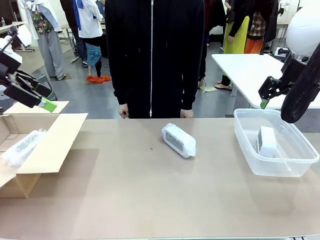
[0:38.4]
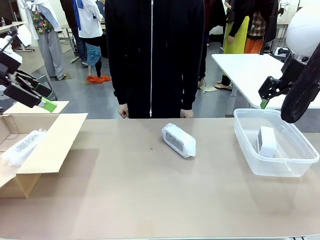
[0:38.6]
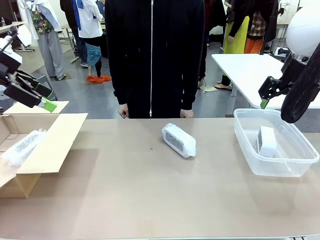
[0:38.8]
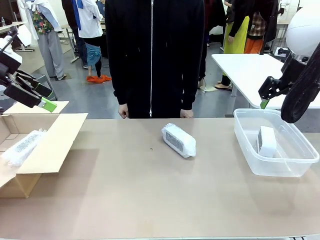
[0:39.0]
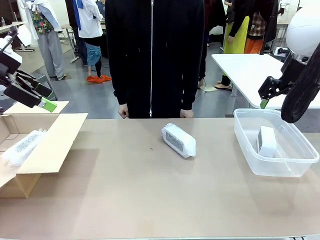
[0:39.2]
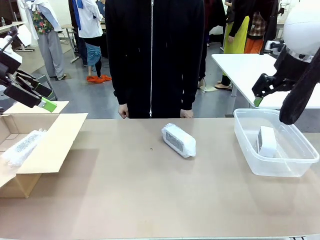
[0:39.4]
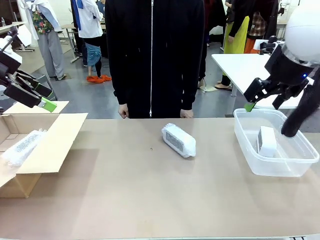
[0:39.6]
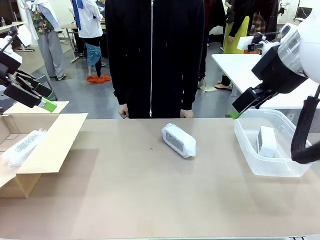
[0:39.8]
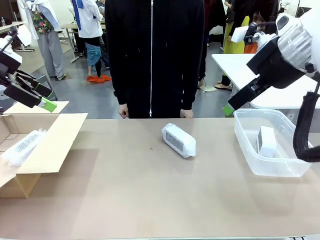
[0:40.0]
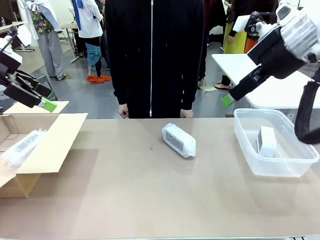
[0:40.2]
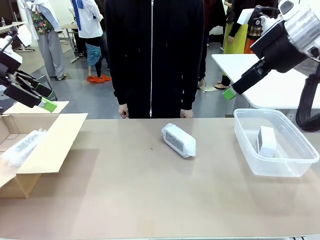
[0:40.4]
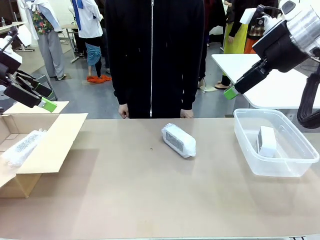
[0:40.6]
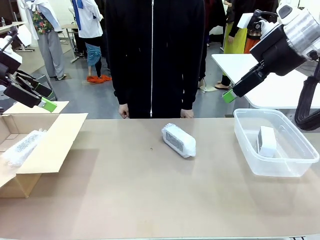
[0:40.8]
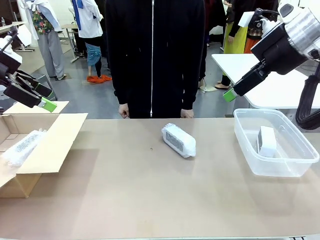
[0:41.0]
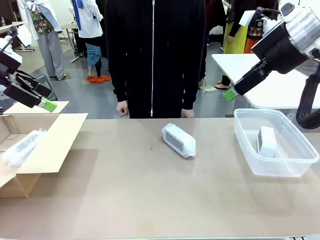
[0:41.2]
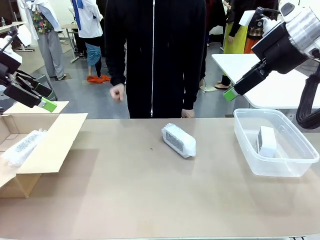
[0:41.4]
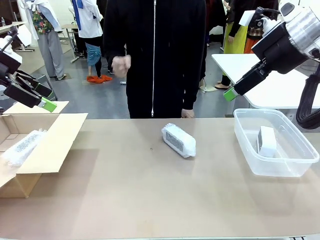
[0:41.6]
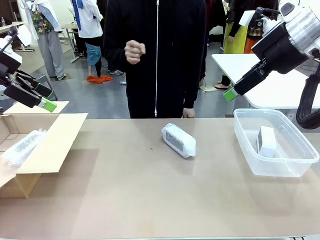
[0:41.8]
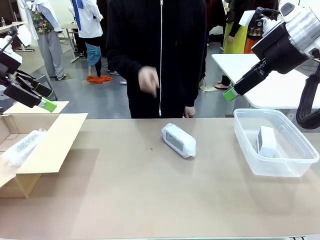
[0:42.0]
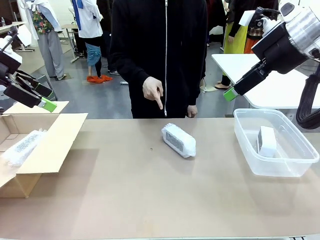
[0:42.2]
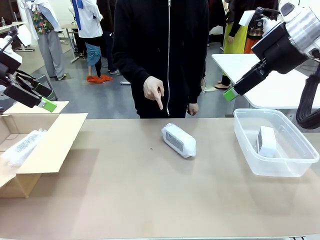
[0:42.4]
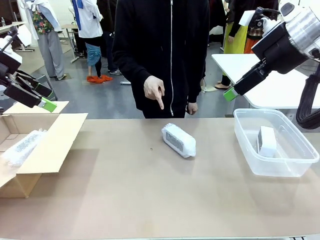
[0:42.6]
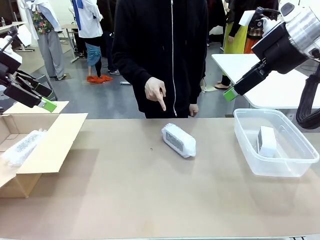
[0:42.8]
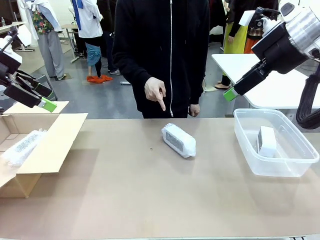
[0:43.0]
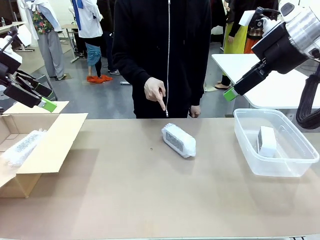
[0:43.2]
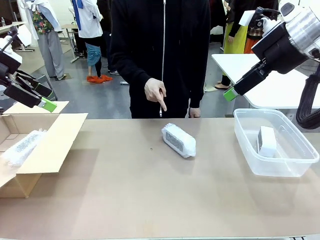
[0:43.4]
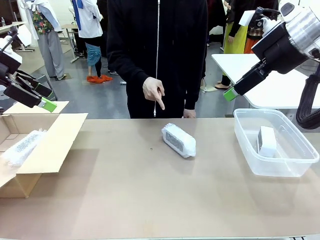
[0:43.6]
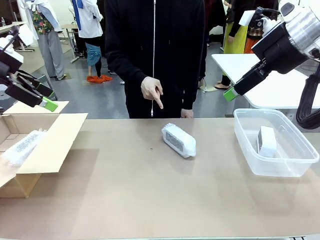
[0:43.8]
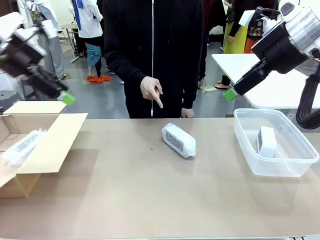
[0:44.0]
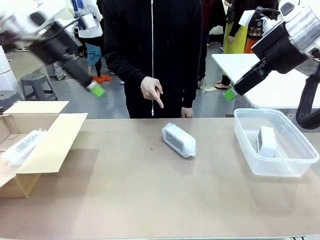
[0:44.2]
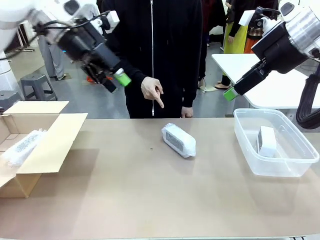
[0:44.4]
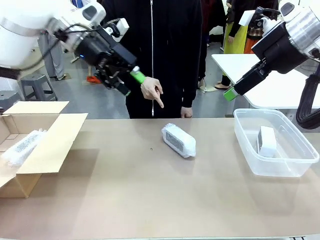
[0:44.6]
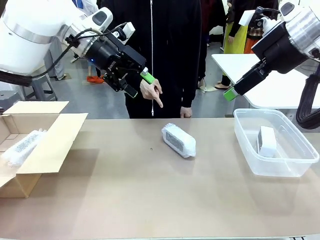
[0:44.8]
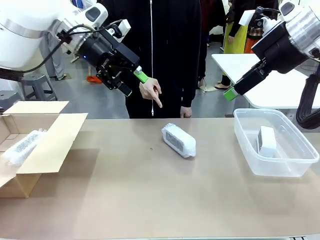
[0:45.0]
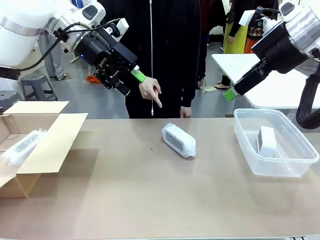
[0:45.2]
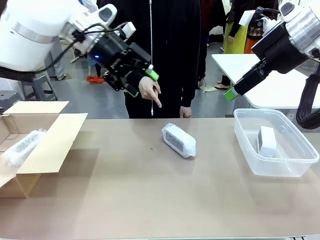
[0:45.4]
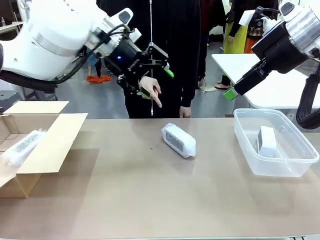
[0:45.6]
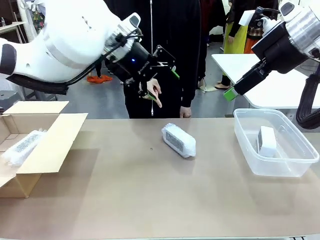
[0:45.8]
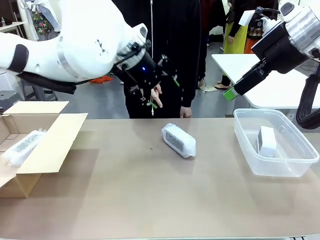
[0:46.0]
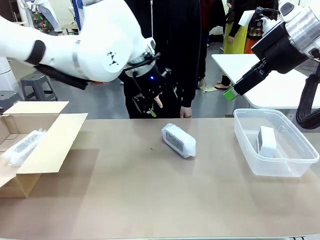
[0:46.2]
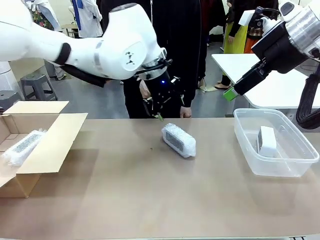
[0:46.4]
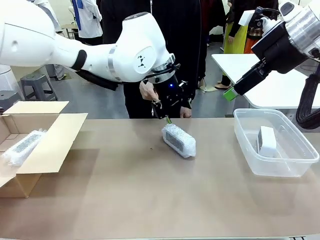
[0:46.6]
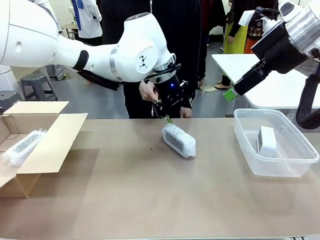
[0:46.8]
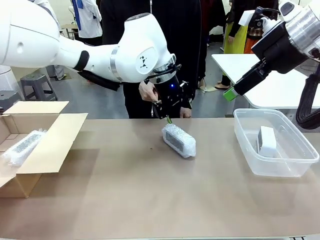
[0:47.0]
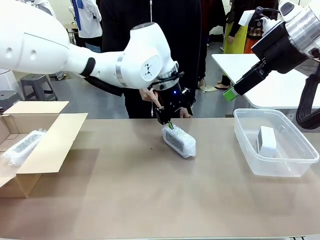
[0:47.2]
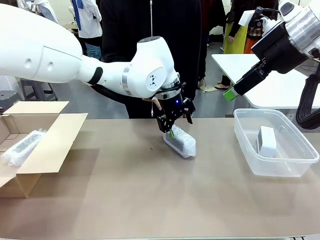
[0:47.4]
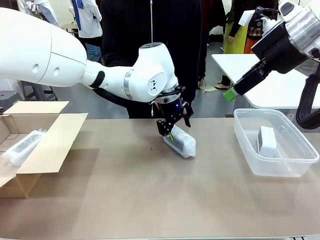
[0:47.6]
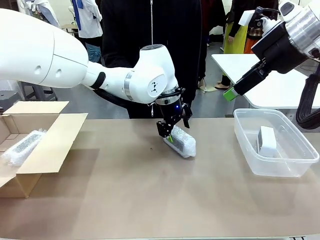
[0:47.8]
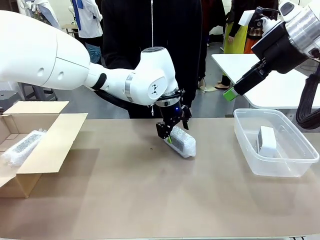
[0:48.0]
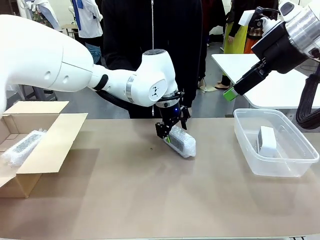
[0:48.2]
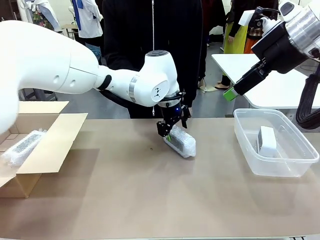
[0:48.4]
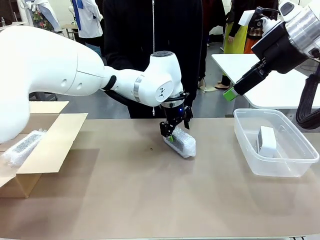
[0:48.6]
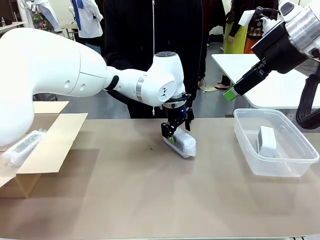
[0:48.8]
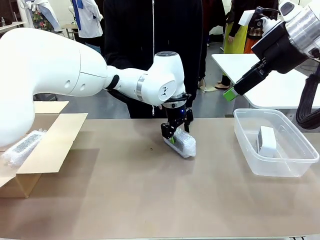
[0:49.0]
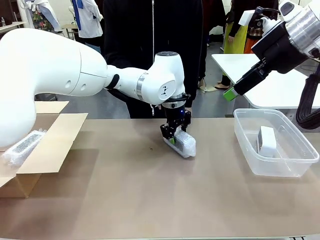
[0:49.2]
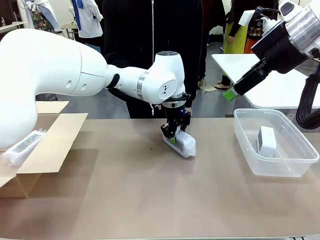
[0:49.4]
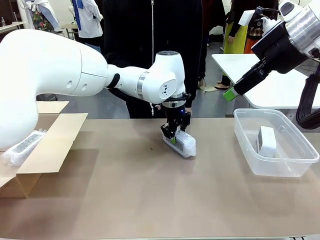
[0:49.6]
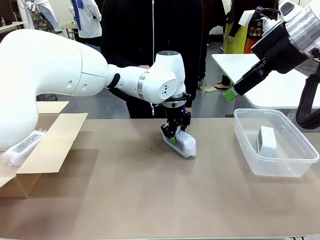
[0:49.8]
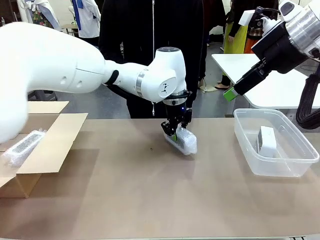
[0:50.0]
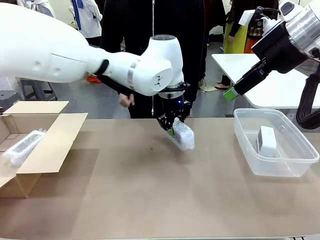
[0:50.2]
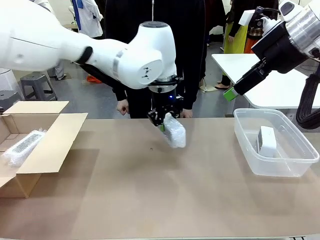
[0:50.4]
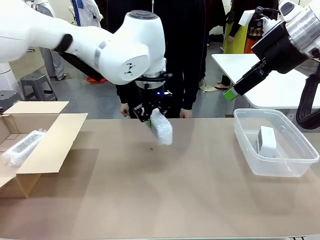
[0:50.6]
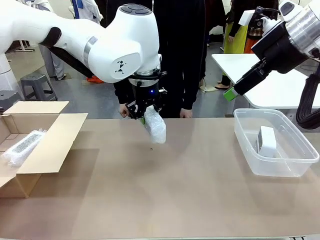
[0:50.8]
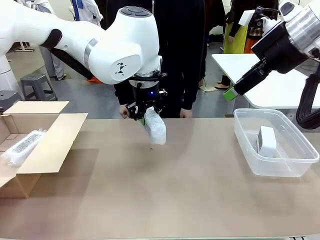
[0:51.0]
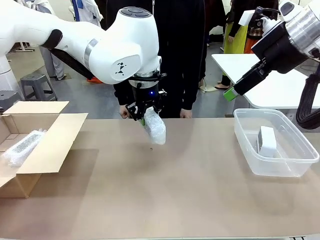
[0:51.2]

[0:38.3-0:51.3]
Task: Separate and place wrapped and unwrapped clocks.
Robot: Pick up the Digital clock indicated by the person.

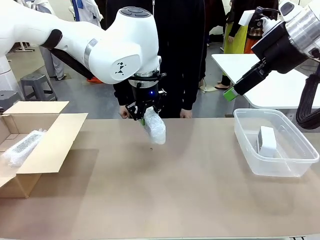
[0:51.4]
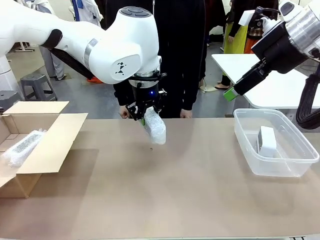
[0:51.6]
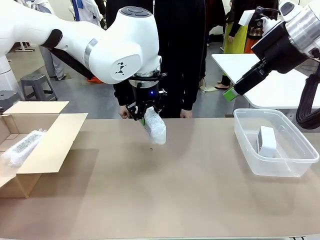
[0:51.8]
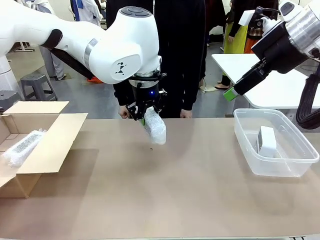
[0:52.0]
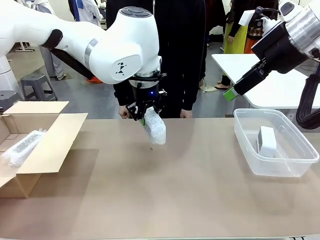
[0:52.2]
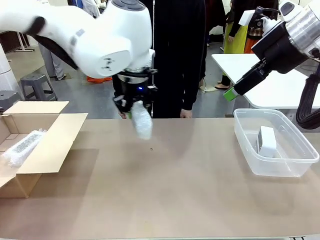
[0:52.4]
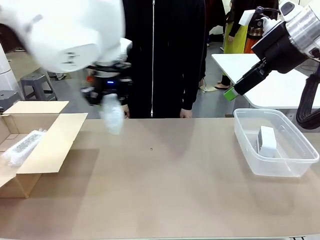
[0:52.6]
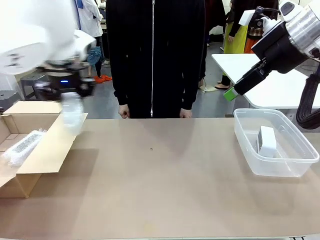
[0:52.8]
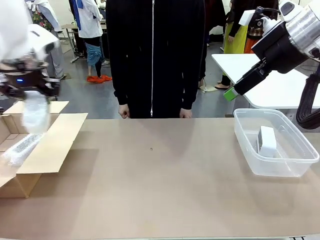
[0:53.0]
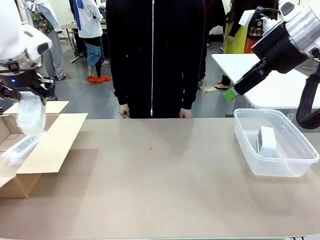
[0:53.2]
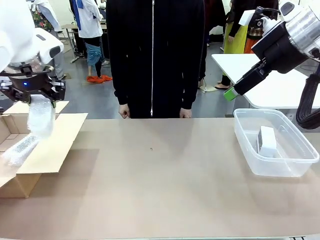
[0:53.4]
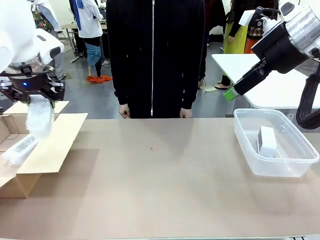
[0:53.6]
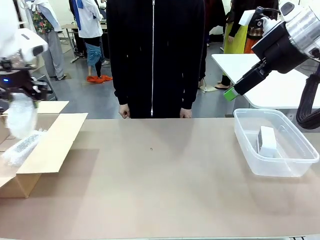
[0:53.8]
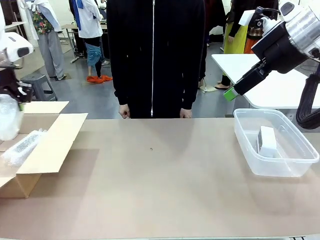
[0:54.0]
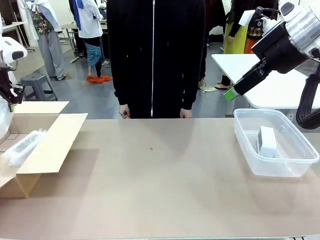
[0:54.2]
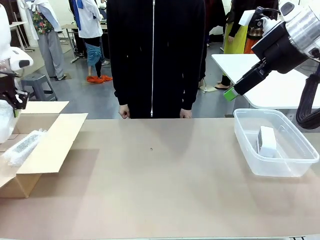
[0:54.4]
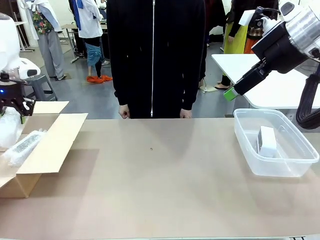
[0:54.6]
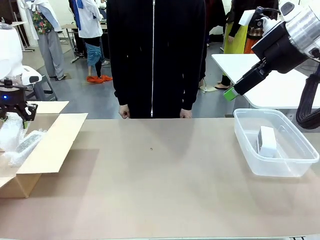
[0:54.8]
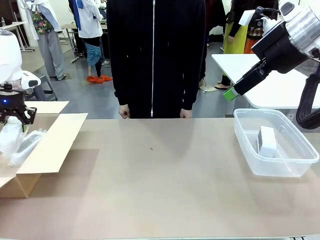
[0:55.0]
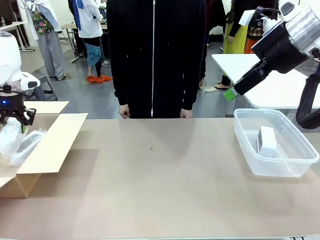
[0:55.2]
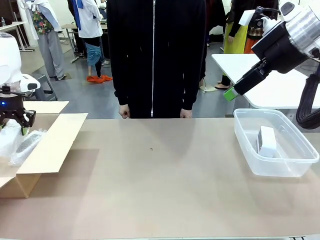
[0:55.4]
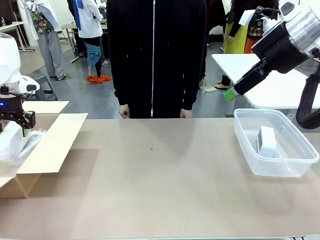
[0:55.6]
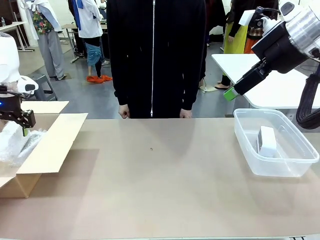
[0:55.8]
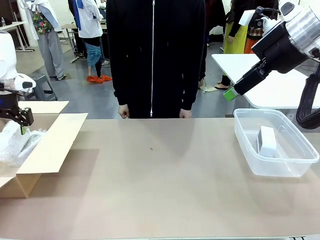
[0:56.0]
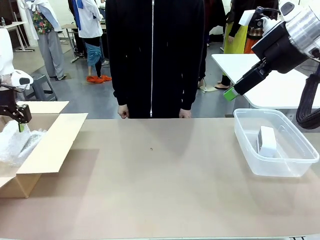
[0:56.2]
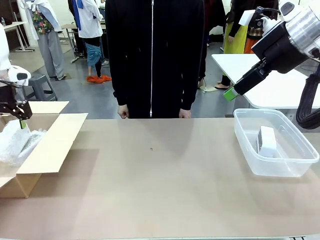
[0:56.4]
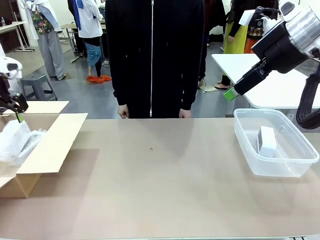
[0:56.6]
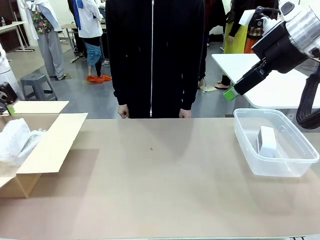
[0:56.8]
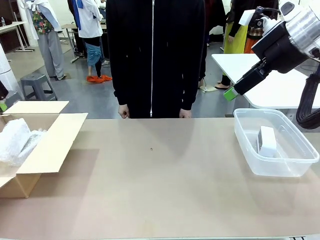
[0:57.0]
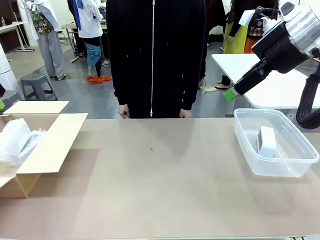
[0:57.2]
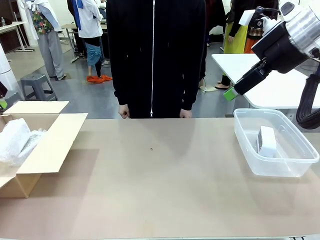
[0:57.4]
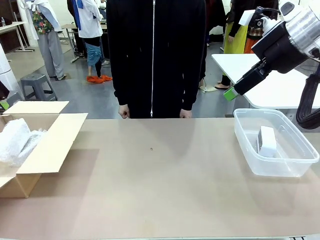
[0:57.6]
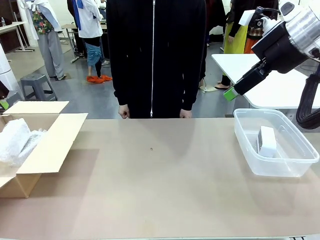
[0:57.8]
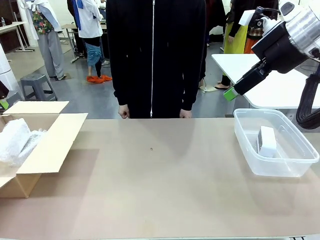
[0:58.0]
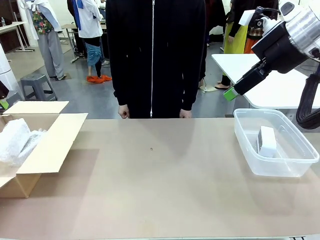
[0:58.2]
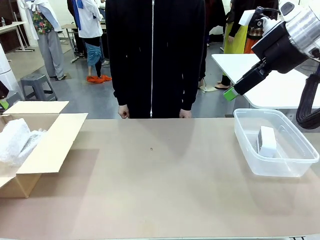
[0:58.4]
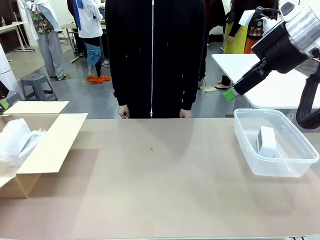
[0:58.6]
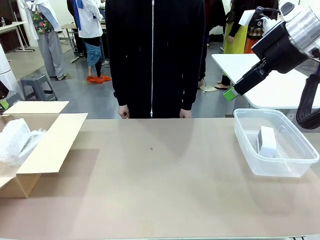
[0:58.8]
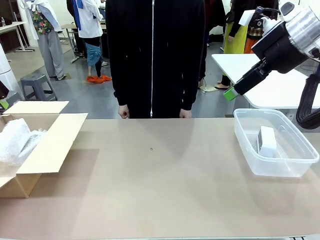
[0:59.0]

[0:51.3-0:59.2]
Robot: If the picked Digital clock is wrapped, place it in the Package Box ; if not, place it in the Organizing box.
